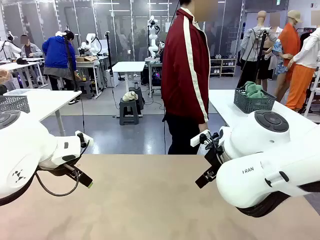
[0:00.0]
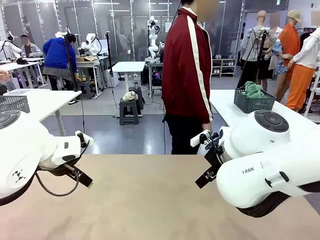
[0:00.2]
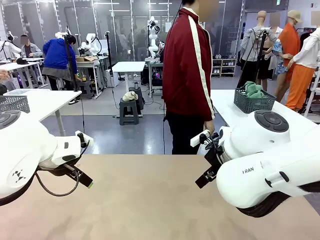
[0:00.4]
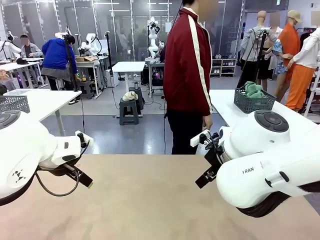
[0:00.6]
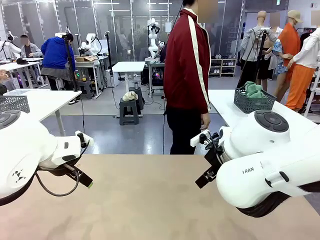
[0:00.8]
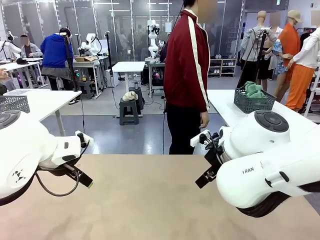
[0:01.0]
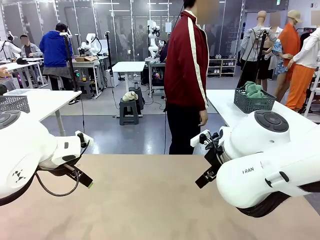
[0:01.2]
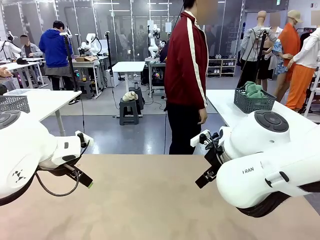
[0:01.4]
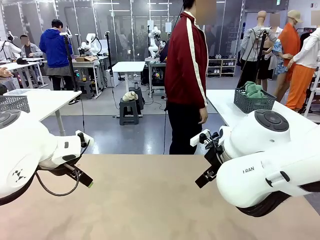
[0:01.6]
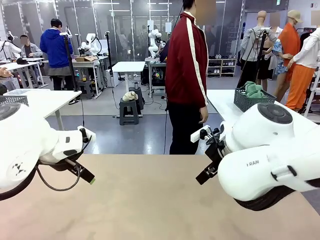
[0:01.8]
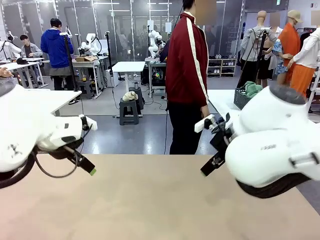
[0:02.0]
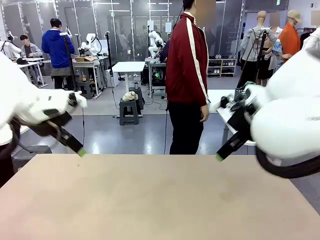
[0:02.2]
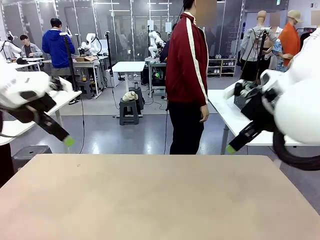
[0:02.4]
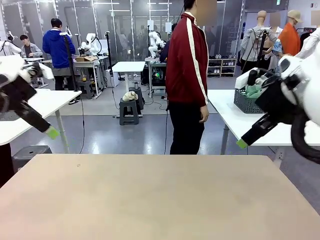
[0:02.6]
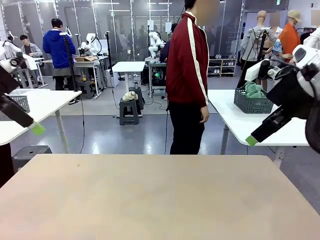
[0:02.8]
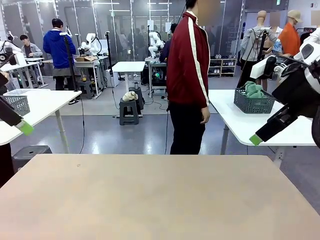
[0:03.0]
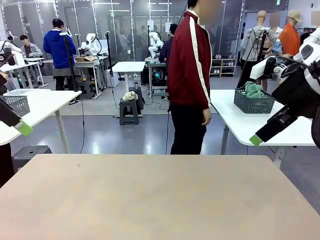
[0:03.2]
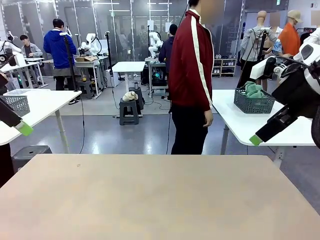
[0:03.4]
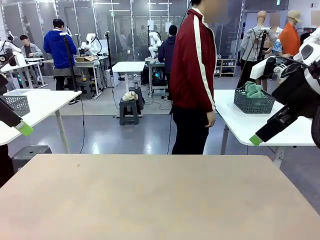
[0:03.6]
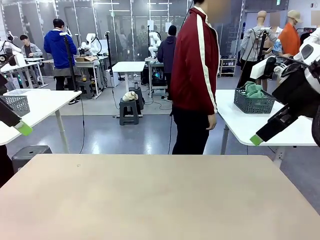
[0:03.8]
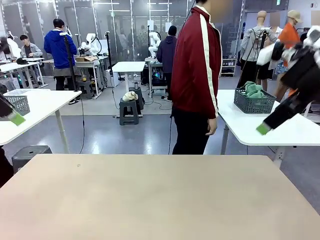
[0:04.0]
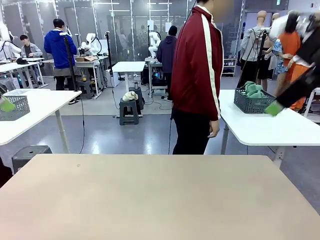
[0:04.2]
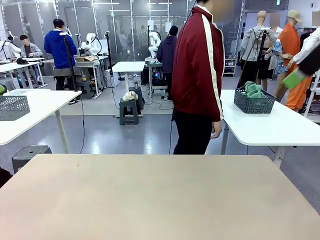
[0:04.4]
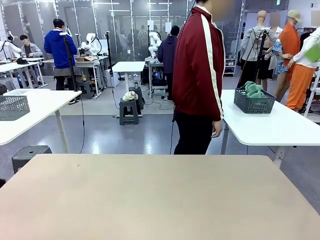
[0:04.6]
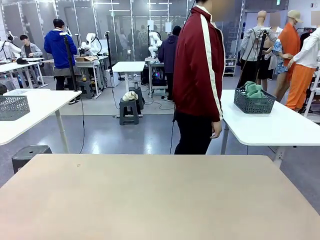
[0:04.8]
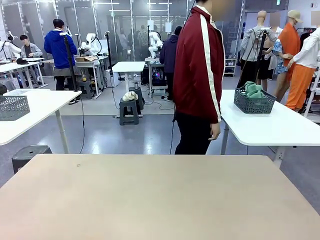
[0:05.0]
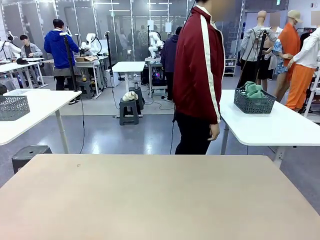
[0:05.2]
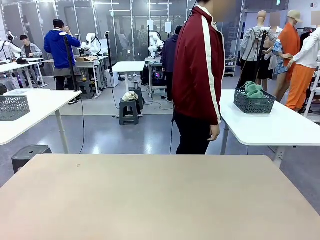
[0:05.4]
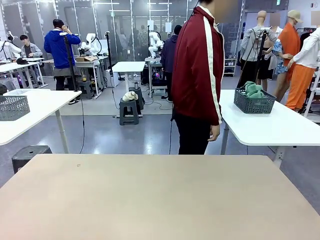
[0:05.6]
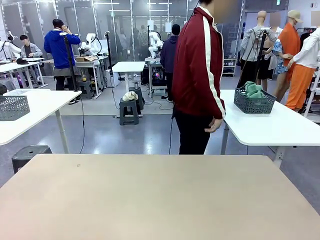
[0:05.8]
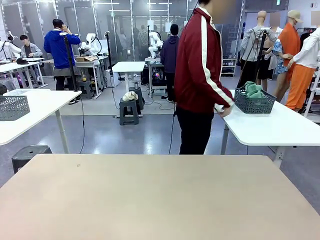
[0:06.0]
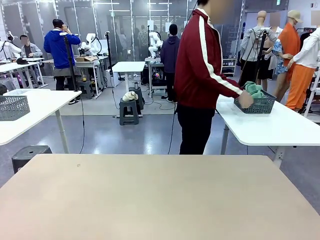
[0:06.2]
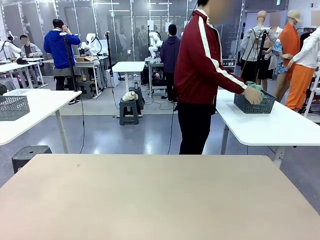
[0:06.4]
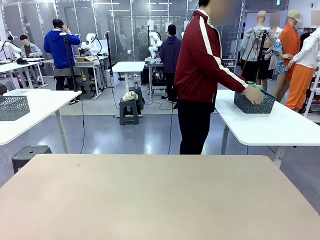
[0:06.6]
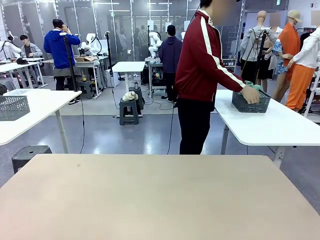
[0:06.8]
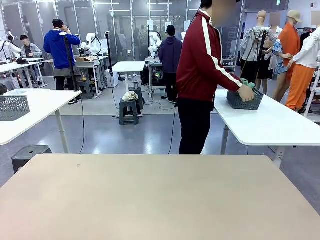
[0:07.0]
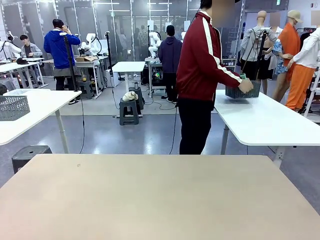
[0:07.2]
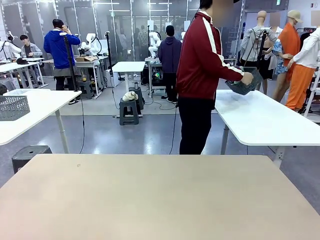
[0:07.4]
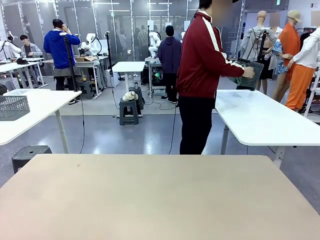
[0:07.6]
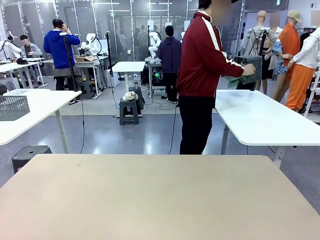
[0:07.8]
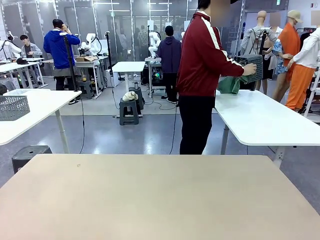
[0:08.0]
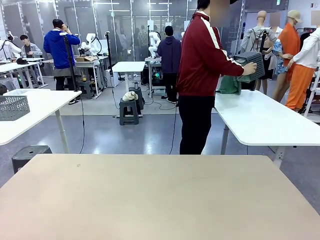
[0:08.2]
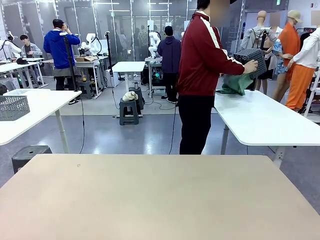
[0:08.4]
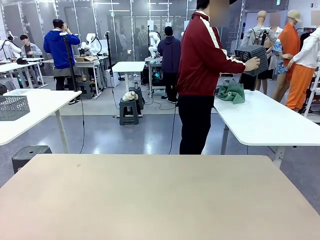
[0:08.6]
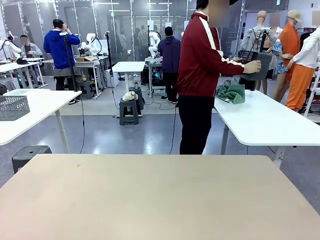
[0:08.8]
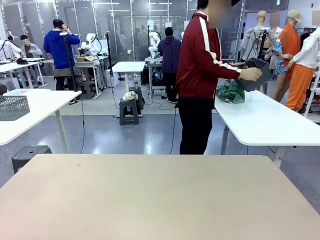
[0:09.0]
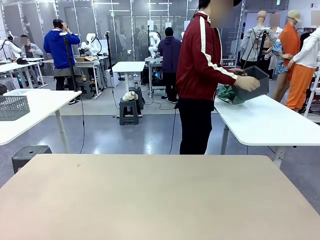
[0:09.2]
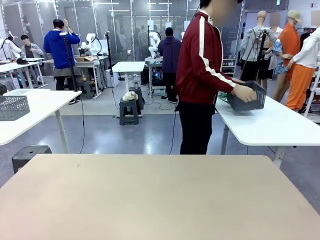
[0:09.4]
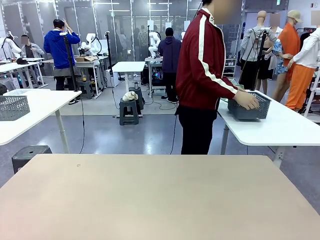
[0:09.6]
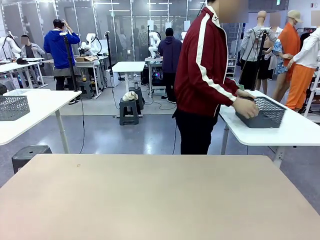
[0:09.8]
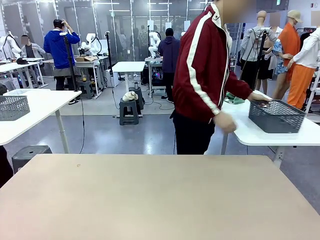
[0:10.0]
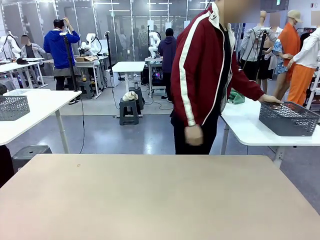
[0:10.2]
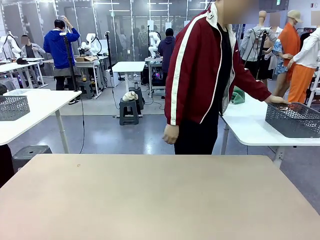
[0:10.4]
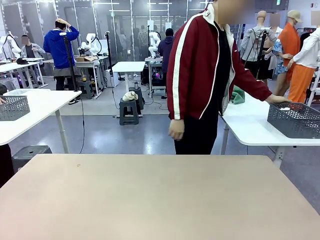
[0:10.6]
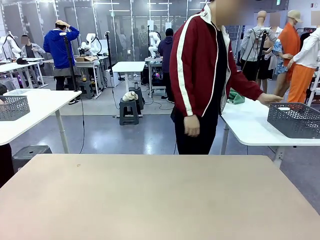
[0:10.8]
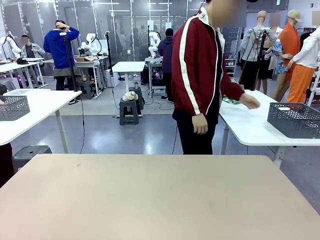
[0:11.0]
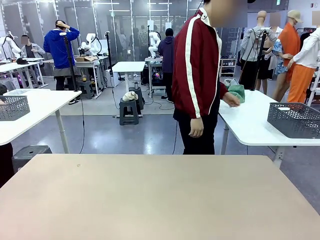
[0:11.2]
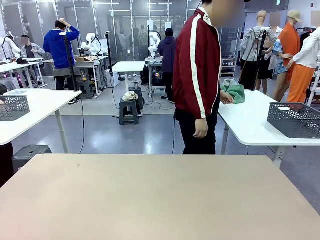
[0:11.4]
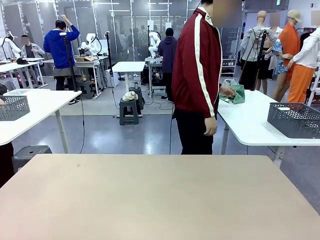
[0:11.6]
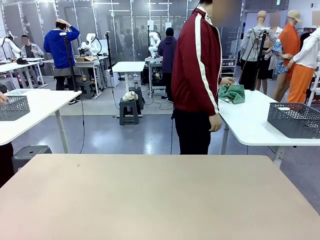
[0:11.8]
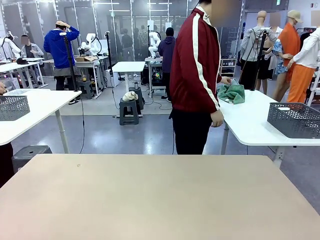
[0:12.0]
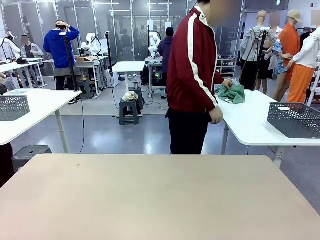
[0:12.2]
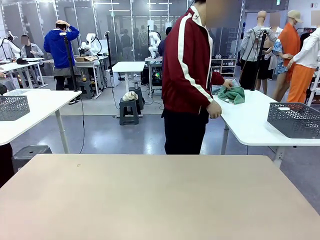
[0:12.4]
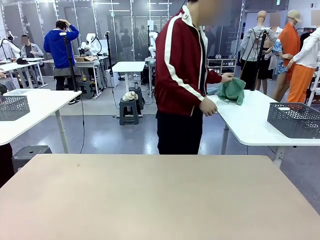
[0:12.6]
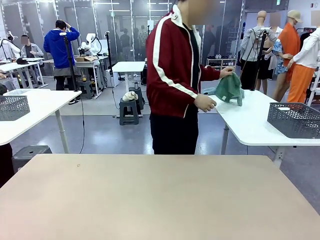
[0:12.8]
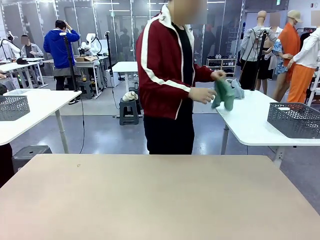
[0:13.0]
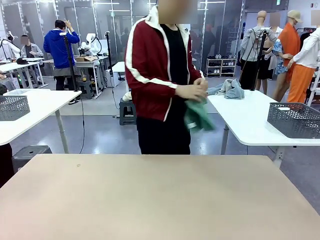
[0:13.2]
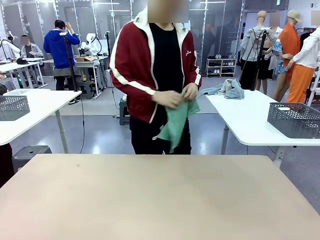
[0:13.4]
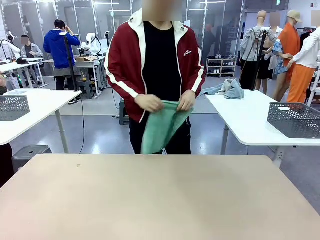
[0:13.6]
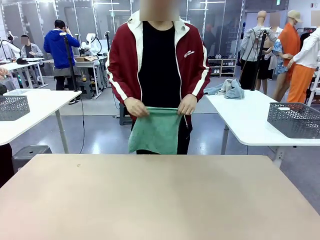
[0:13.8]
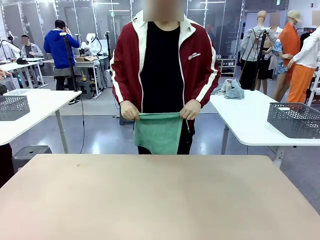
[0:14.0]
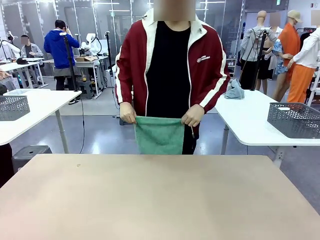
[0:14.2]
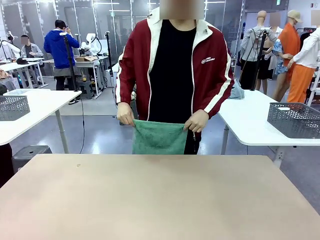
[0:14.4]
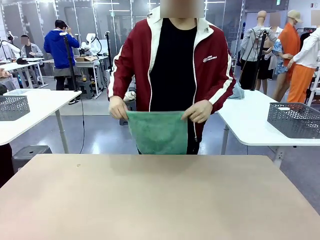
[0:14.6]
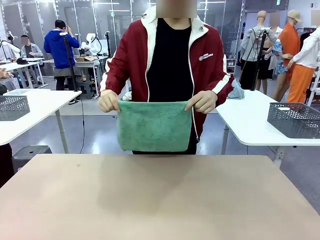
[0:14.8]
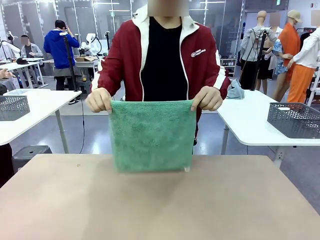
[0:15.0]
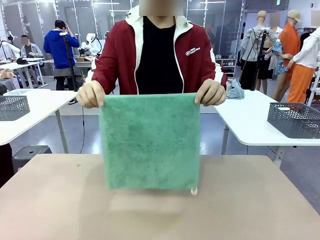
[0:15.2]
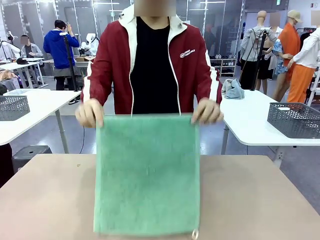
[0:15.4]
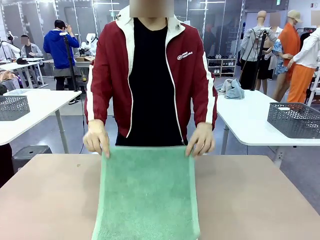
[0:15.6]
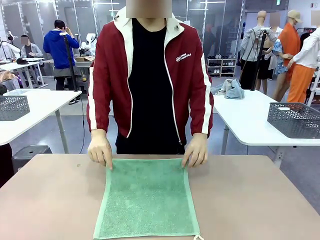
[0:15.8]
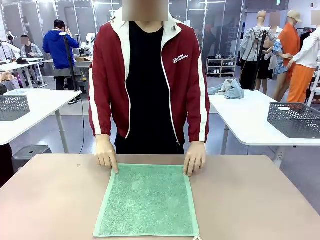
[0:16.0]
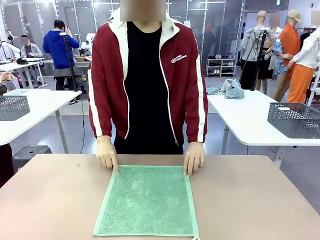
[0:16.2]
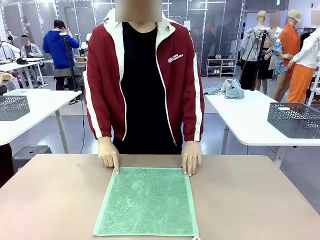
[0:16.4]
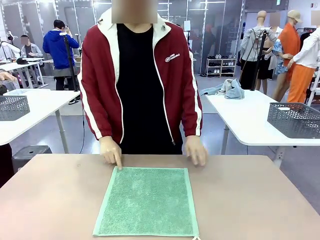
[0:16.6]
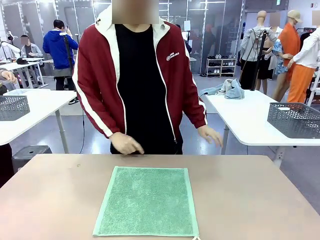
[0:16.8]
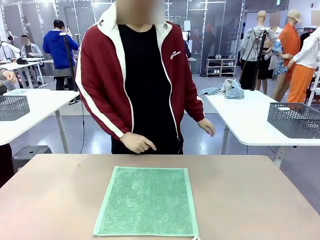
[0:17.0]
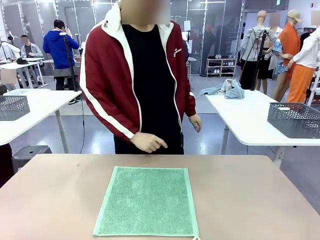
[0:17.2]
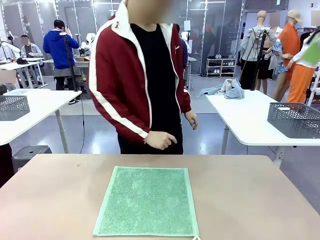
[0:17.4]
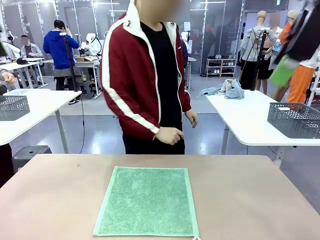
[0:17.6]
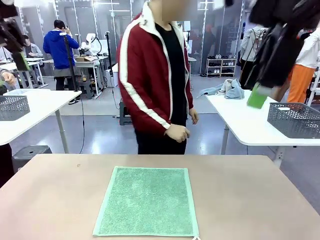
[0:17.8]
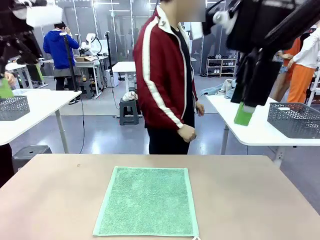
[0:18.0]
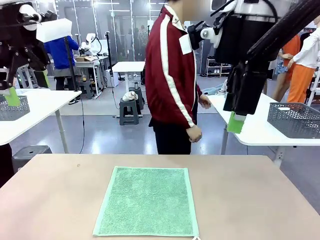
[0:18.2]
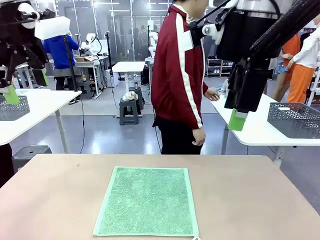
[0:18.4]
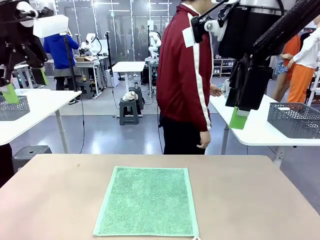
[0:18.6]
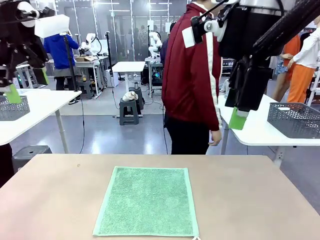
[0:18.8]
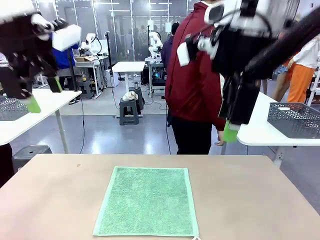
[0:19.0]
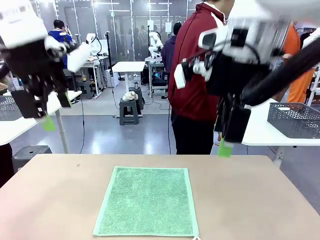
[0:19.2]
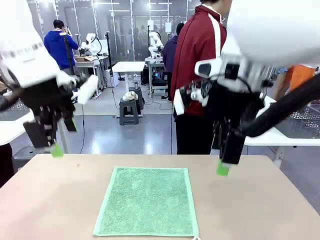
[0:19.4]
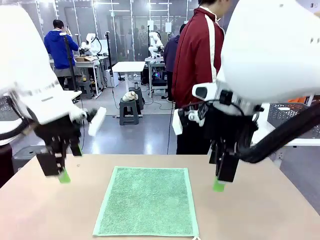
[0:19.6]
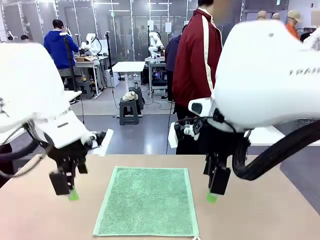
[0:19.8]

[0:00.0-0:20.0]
Task: Fold the towels and place them in the basket.
Robot: When a person lays out a Towel with hook on the table, fold it in half twice.
Person: Pick up the basket, pour the towels onto the left side of the human table, and place the basket on the right side. Pick up one towel and spread it out at the center of the robot table.
